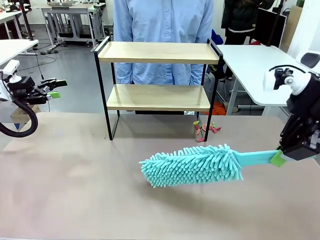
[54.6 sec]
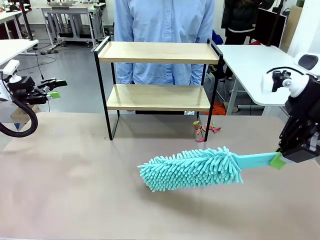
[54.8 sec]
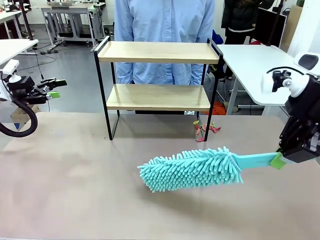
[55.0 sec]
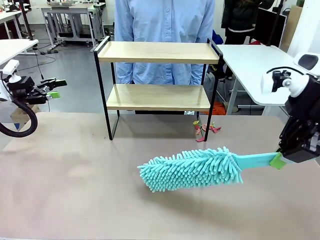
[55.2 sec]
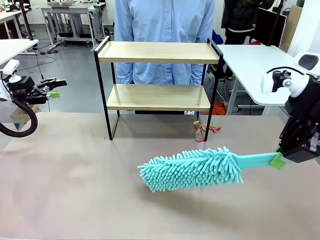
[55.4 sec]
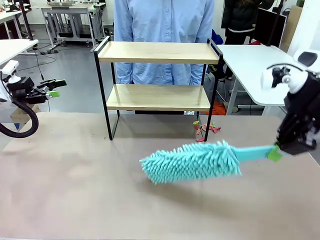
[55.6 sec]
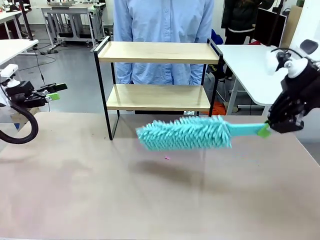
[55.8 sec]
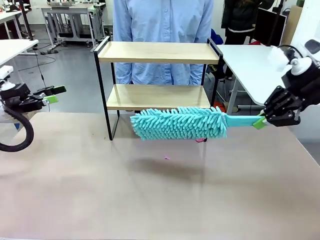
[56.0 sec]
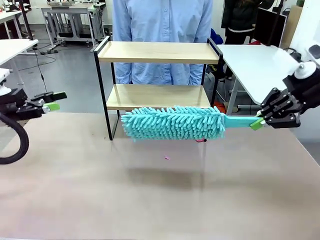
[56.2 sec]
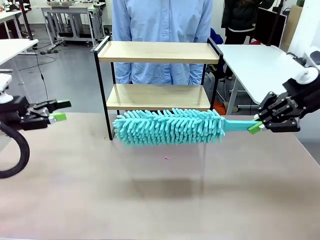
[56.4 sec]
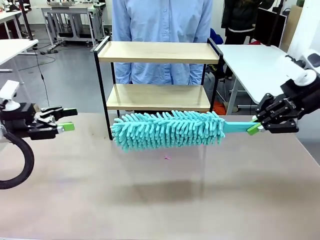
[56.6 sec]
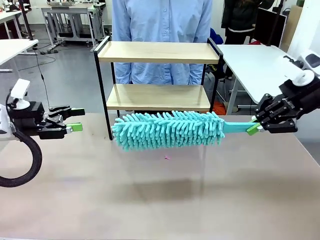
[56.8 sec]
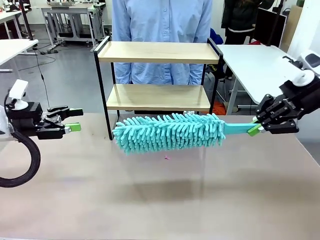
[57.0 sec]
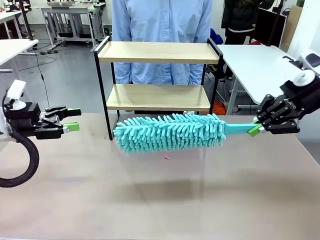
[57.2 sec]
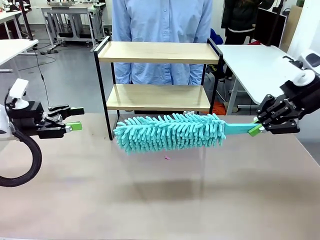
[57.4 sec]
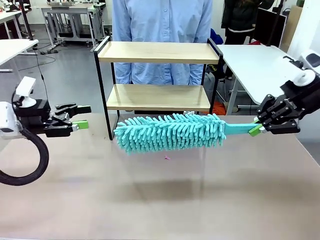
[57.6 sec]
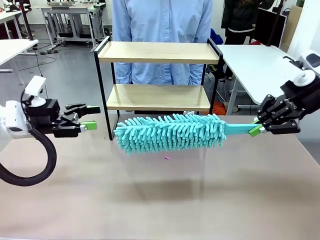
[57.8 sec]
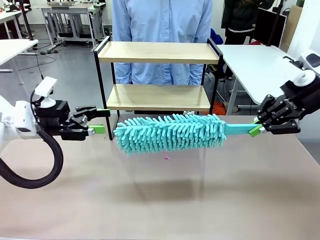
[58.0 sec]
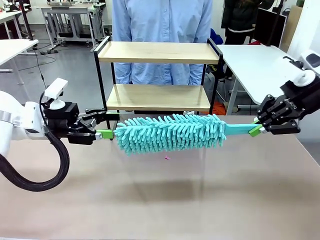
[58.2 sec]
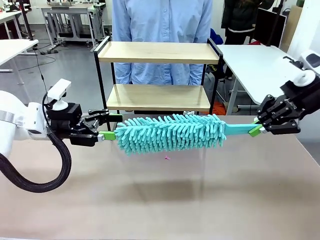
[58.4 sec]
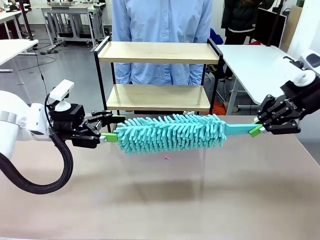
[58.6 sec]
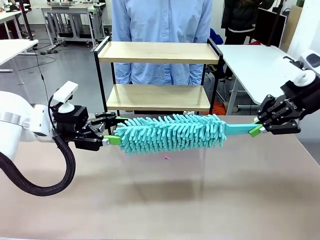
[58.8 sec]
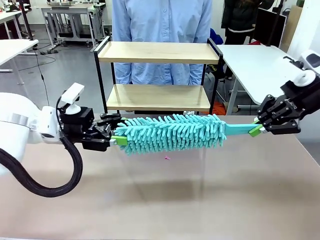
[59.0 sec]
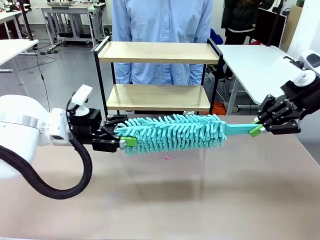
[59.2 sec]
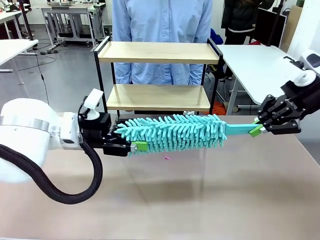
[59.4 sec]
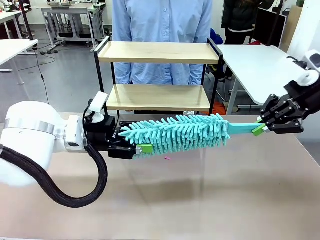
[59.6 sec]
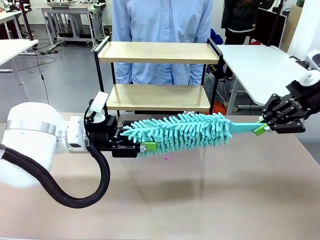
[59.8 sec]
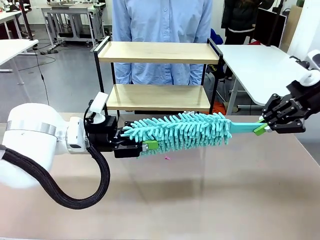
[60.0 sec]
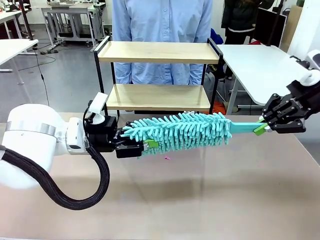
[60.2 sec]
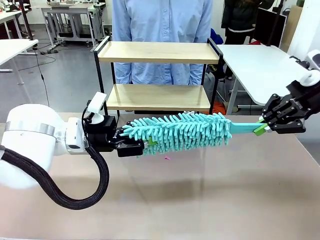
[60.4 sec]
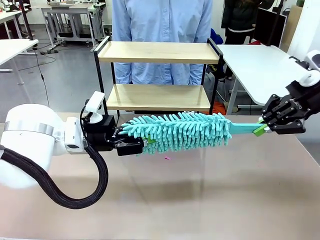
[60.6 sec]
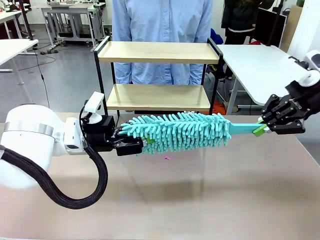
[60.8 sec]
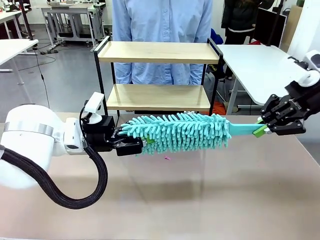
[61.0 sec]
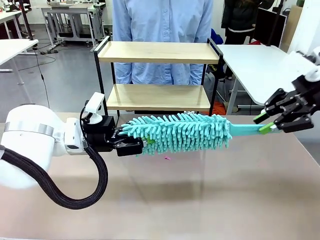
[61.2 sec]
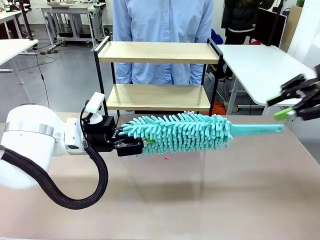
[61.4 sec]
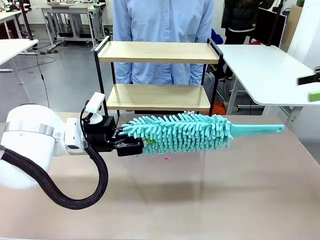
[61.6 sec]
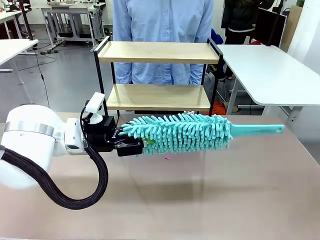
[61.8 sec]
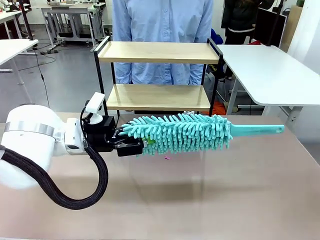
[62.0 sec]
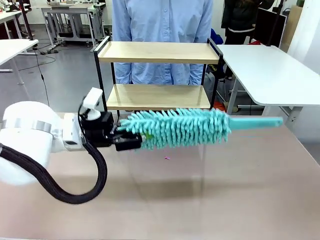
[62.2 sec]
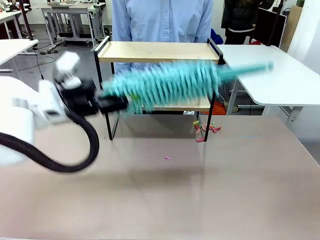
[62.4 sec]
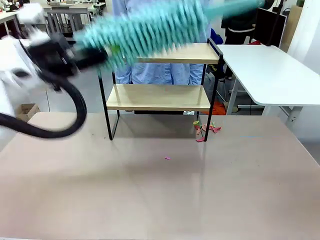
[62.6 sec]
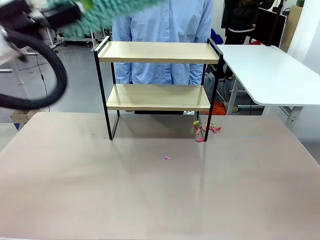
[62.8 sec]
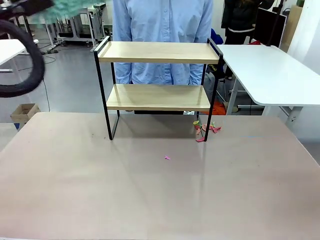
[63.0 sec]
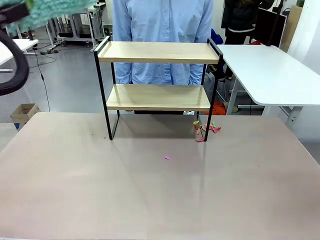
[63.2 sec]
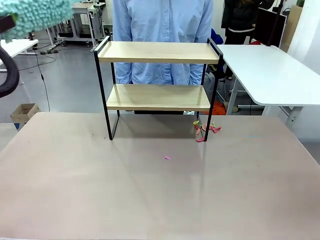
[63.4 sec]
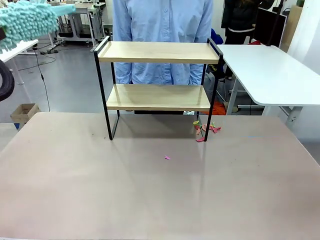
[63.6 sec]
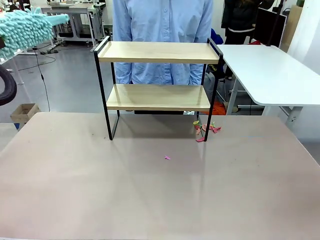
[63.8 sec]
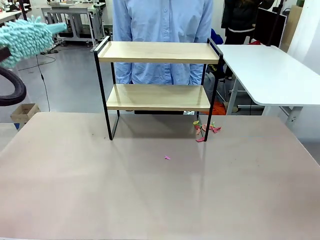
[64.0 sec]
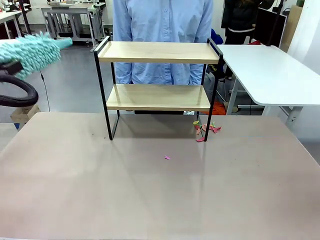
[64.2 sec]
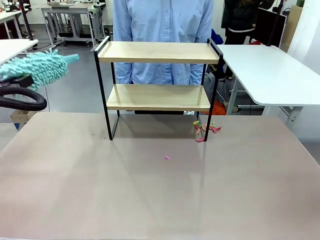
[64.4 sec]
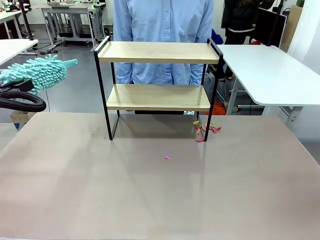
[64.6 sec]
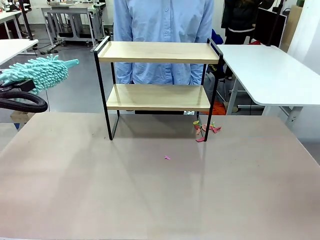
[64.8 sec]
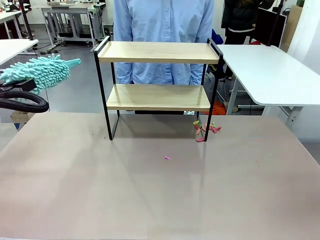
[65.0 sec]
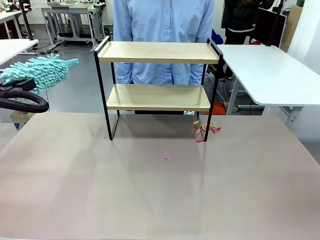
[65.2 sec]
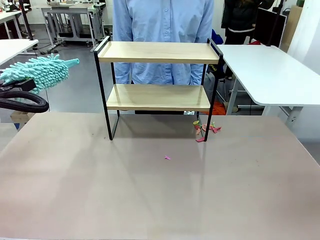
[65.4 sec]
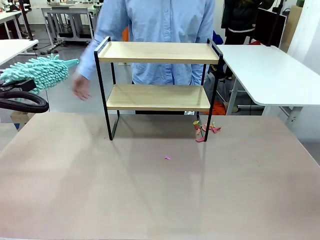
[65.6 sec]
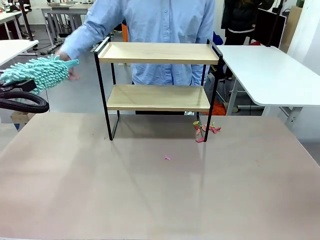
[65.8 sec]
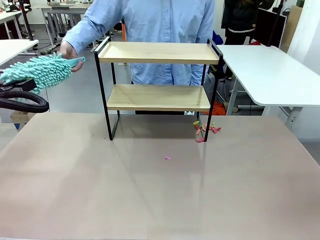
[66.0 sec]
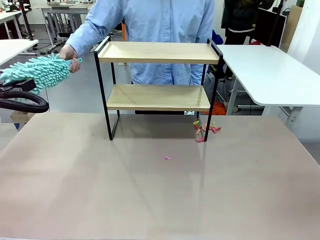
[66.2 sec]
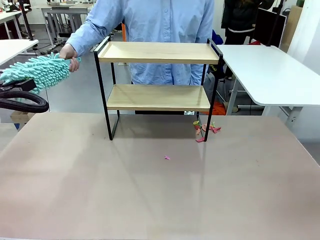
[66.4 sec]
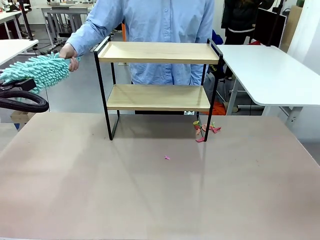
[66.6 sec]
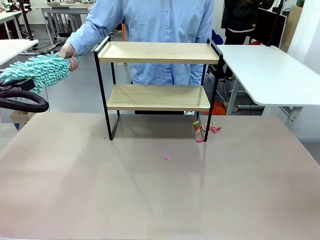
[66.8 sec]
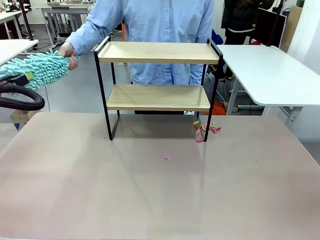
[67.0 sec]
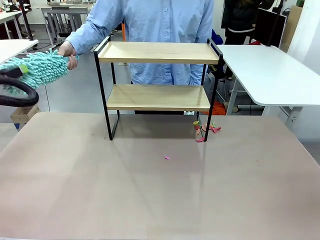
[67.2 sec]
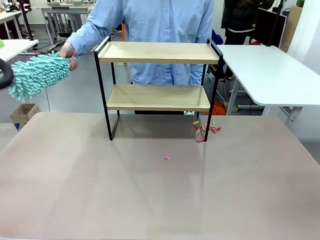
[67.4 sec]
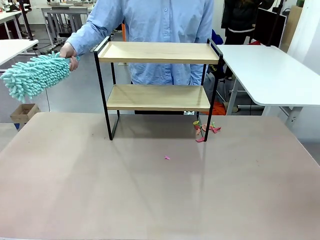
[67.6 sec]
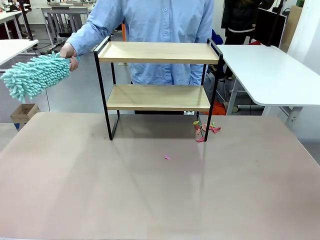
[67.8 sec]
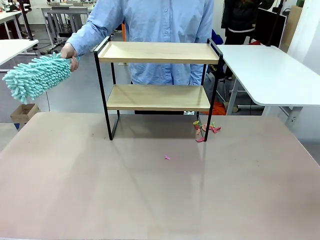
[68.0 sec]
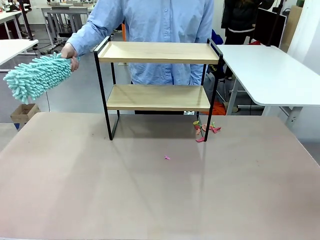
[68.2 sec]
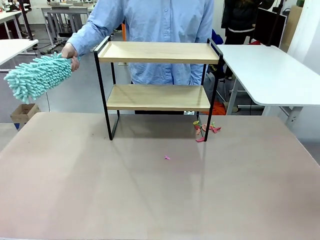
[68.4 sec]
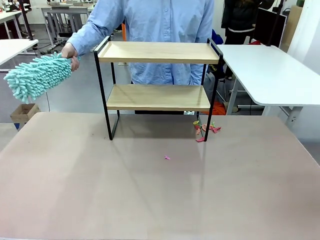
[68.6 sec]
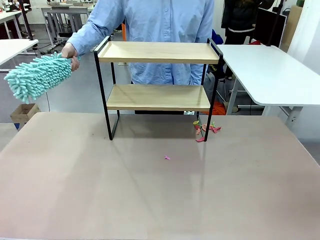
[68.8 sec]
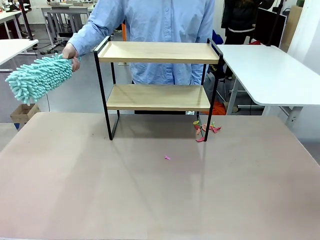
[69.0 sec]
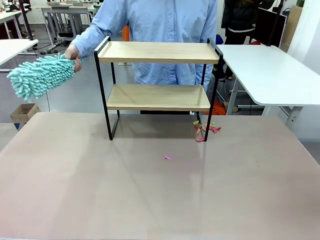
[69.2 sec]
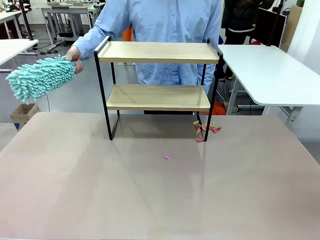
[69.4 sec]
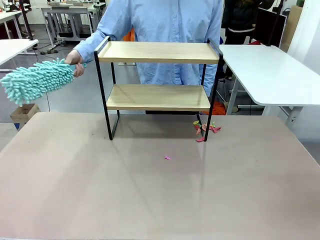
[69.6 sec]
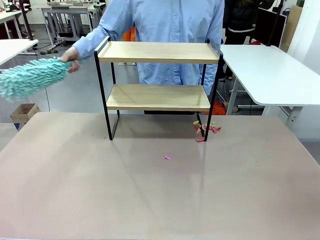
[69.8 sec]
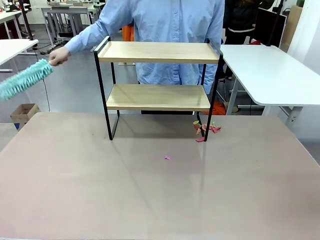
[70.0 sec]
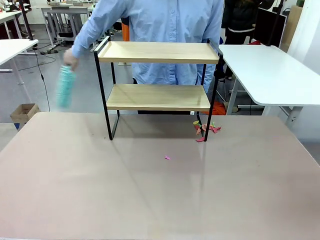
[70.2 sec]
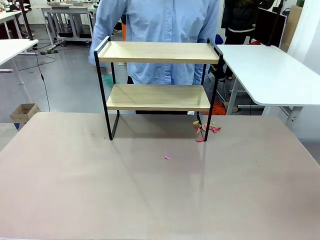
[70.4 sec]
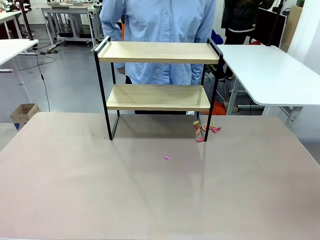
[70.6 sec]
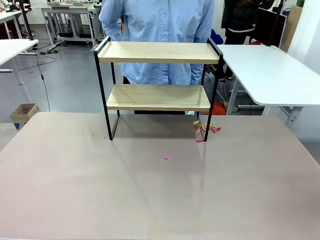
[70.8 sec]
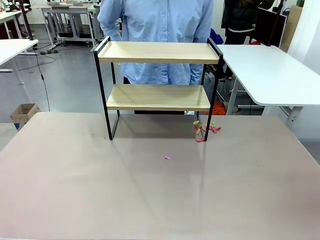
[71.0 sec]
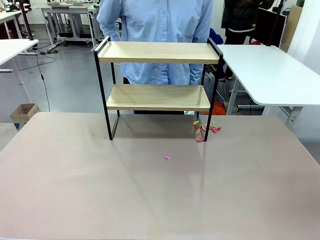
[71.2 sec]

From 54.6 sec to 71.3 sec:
Task: Clean the shelf.
Robot: Hand the Duster back to the human.
Person: Receive the Duster from the robot.
